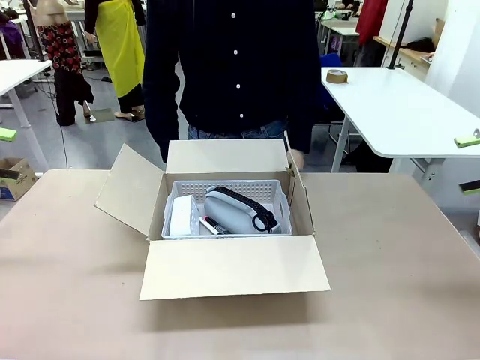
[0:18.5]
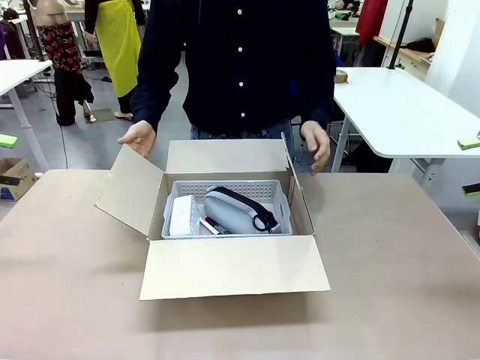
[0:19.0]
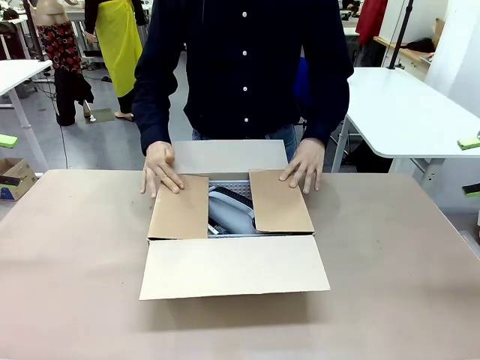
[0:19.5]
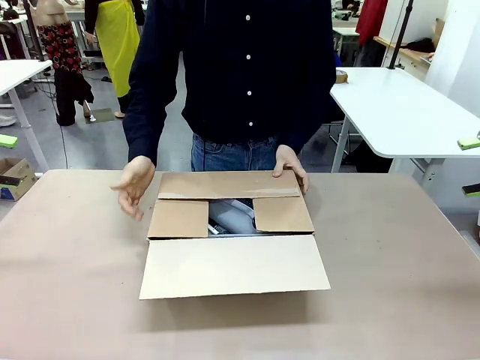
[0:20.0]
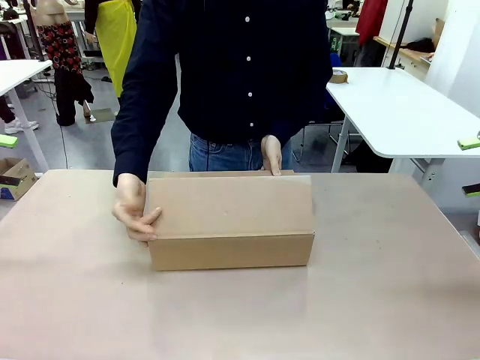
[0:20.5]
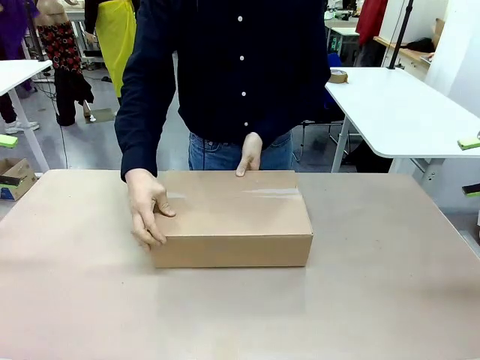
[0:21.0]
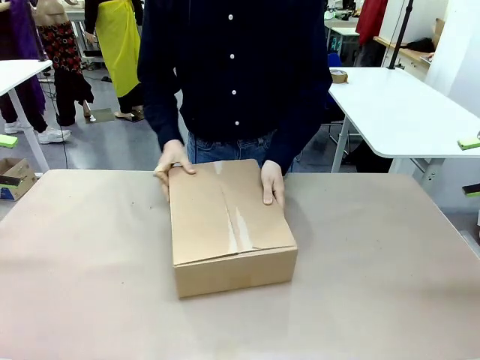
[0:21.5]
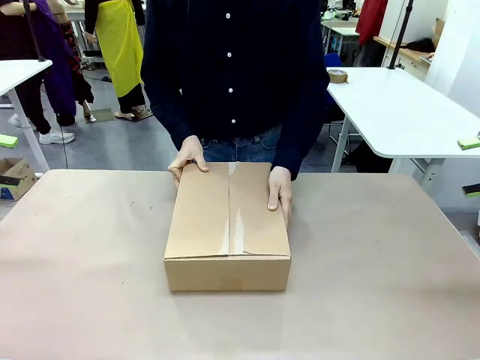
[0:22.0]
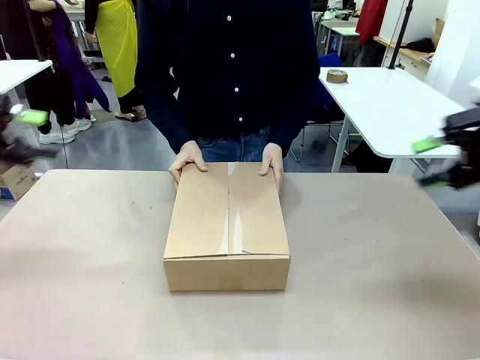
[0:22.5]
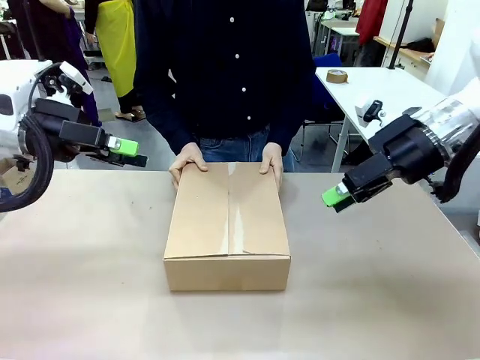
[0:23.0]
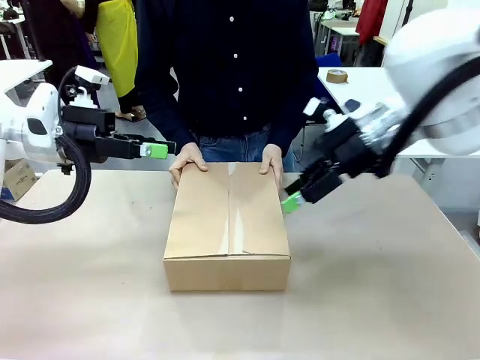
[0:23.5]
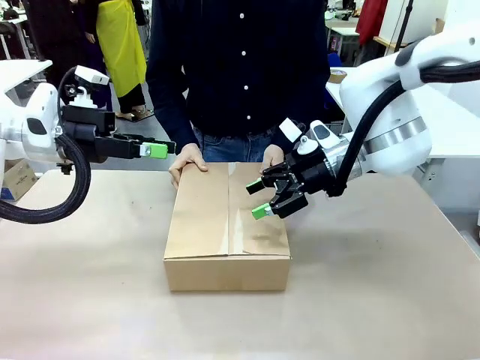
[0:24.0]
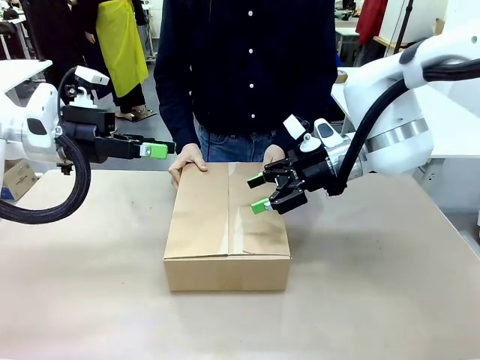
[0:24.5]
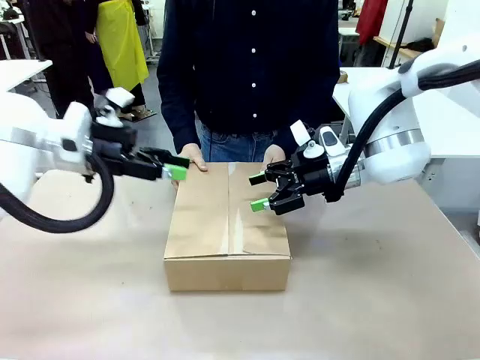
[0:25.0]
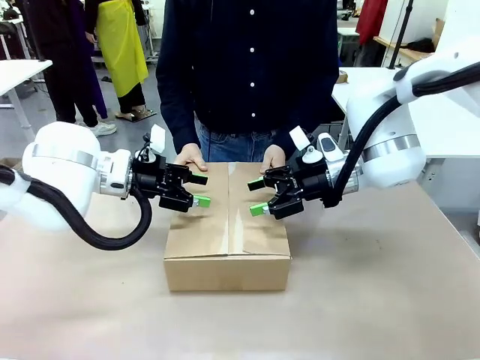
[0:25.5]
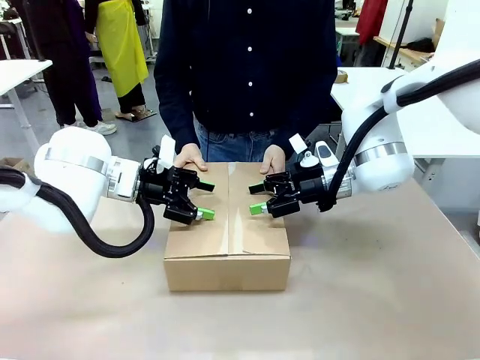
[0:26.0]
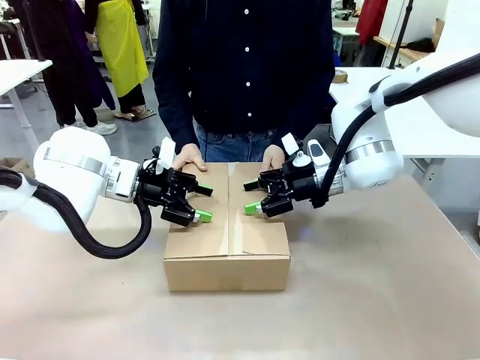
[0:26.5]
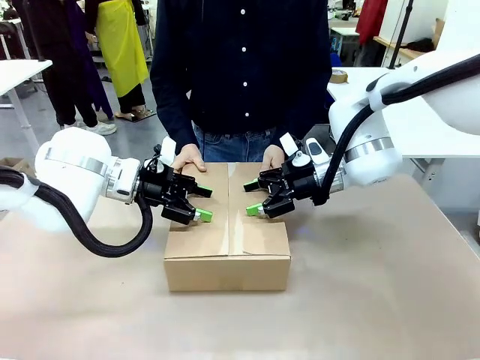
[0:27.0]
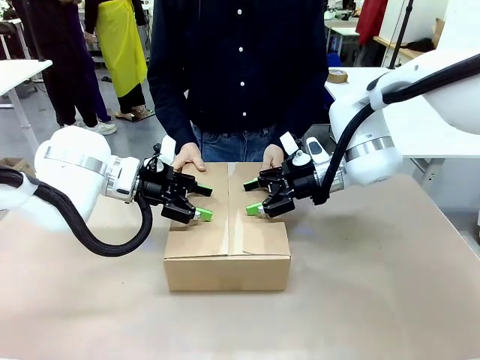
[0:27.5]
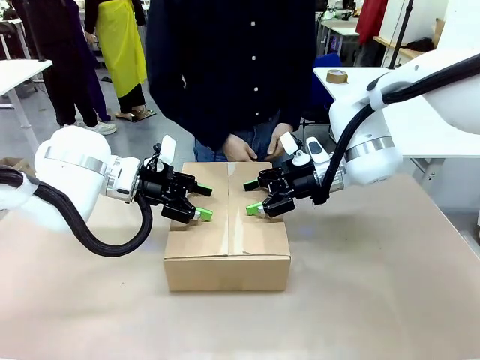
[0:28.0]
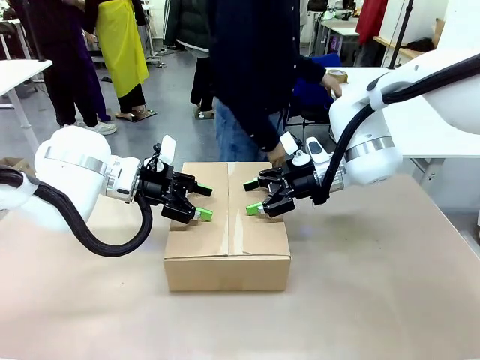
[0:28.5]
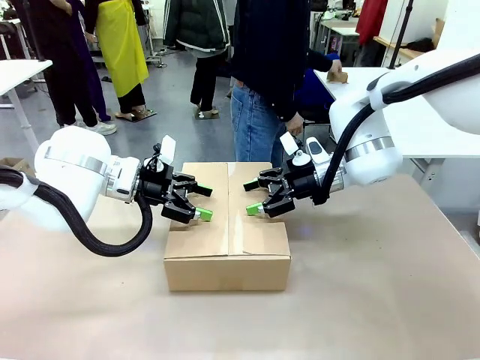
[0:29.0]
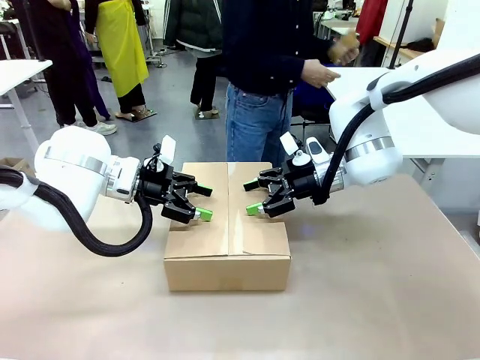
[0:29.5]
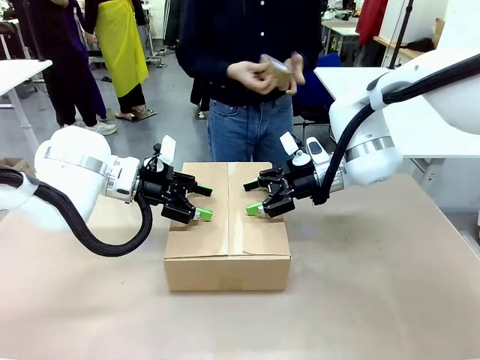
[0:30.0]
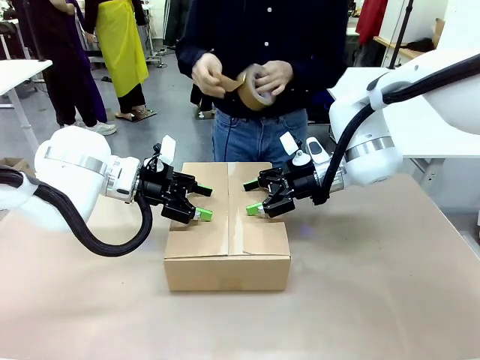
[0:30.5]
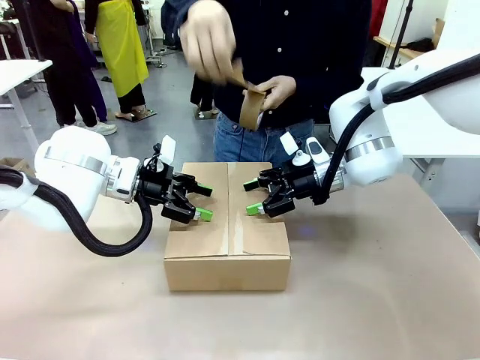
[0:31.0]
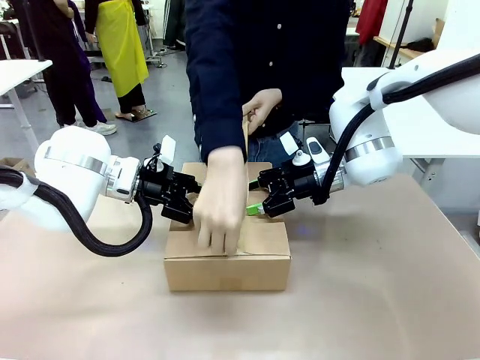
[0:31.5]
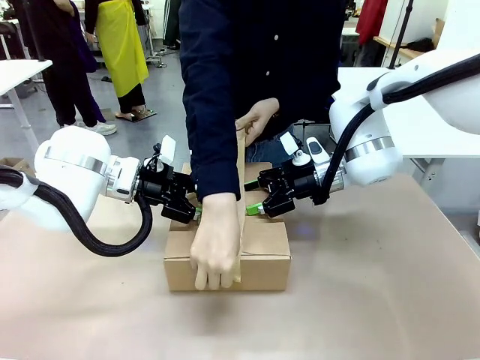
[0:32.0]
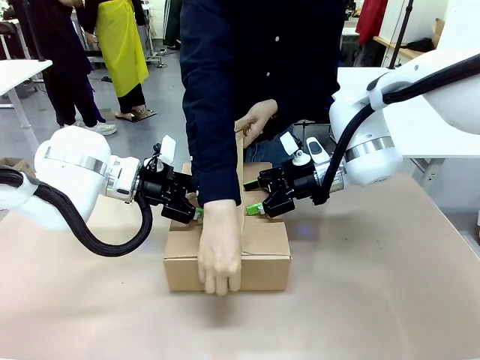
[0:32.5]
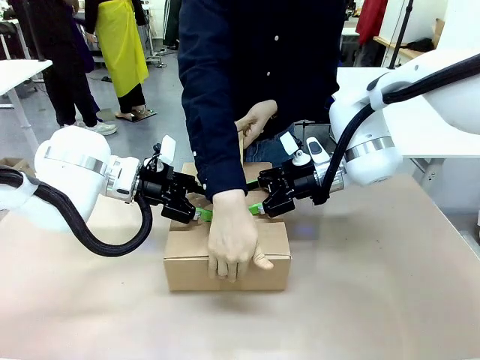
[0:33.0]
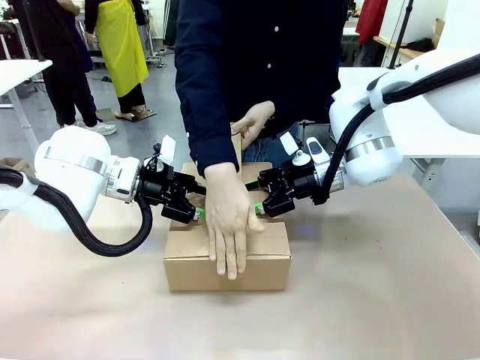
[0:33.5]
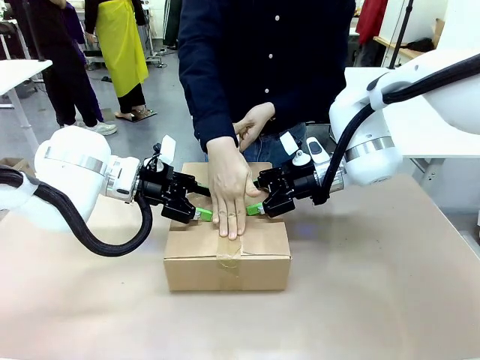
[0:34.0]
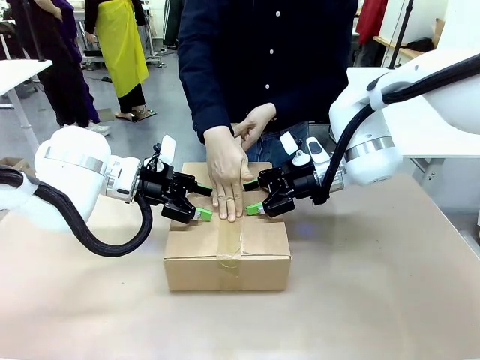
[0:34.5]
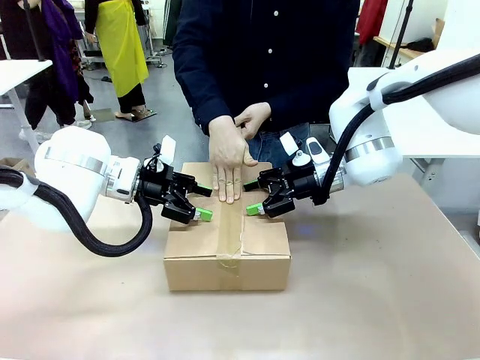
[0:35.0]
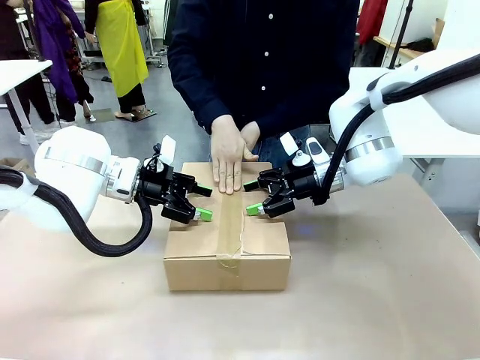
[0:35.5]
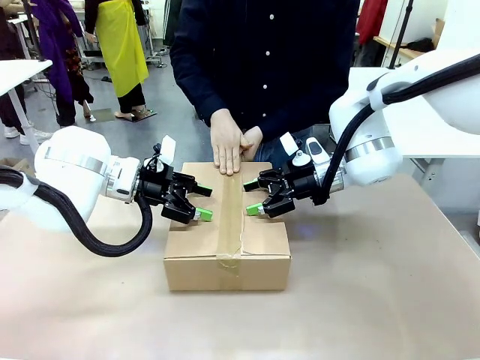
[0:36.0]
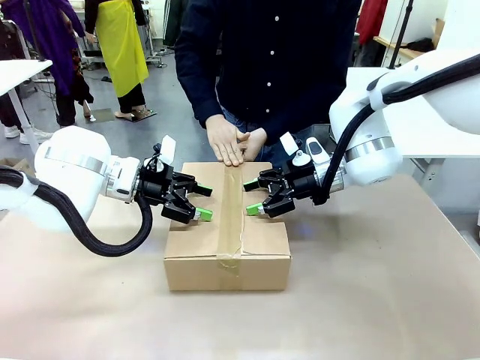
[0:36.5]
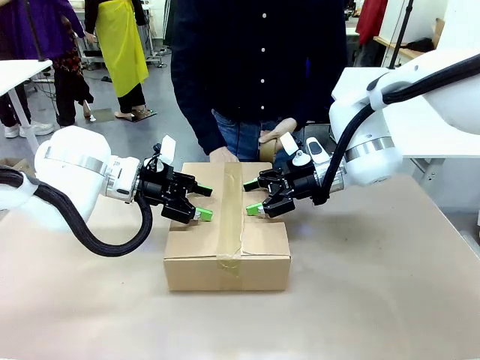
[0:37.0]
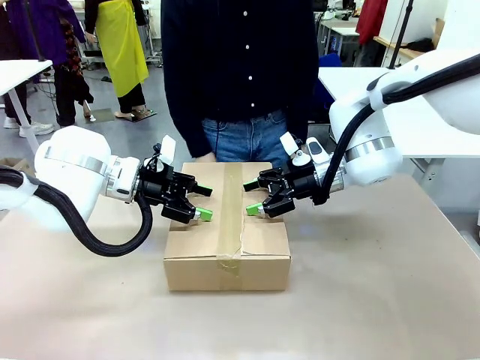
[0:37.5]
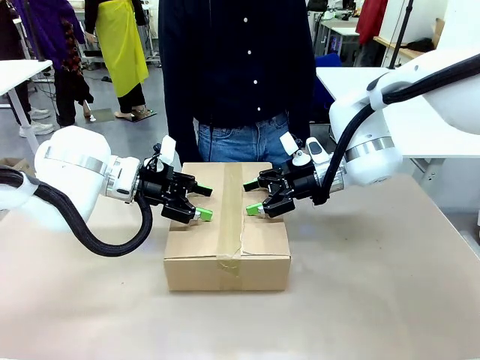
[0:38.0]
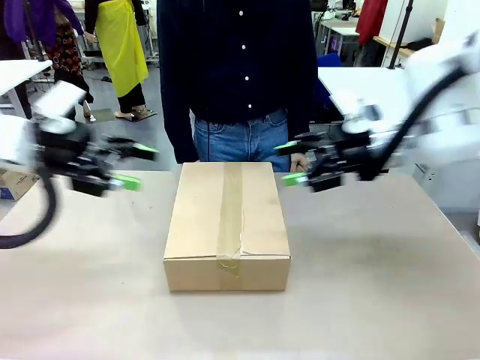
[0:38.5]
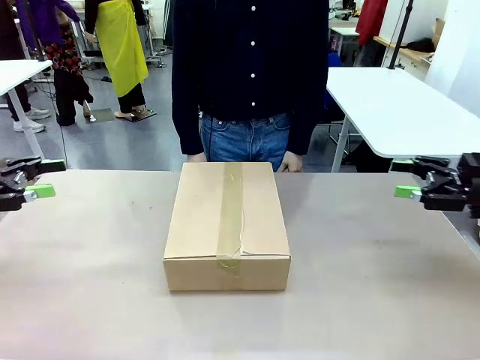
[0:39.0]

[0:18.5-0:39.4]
Task: Pack the gift set into the box.
Robot: Press and hold the closed box until the human finishes sealing it.
Person: The human closes the box and rotates the box by 90 degrees. The human picks up the paper tape from the human table and packs the box.
